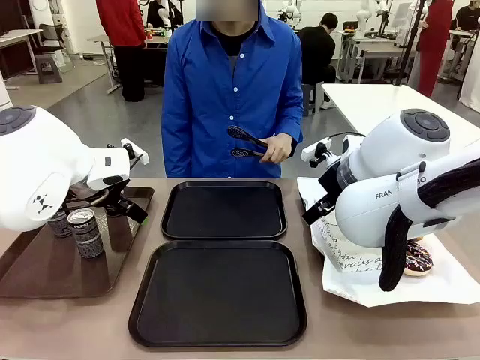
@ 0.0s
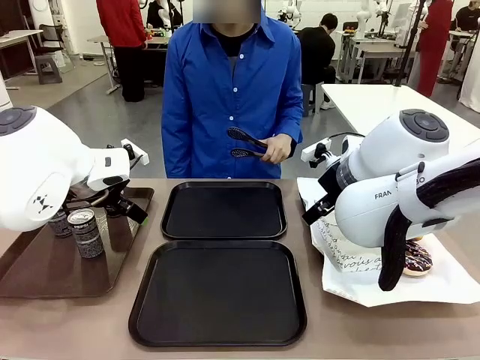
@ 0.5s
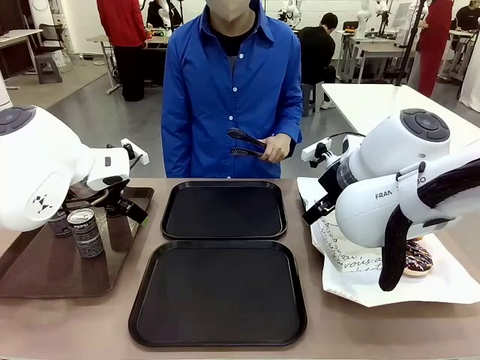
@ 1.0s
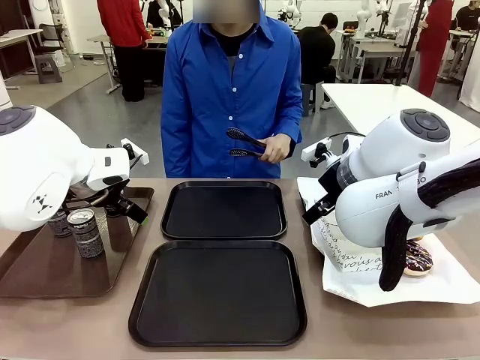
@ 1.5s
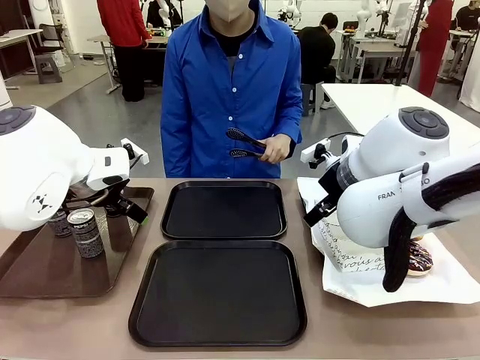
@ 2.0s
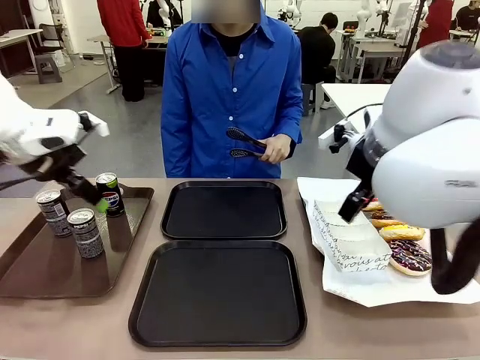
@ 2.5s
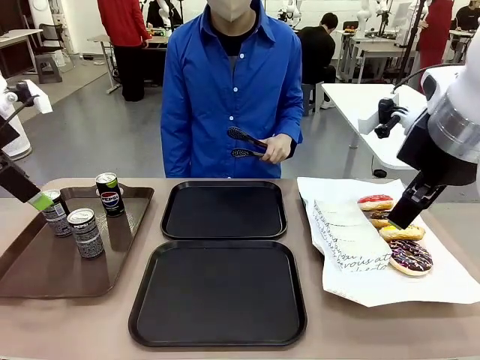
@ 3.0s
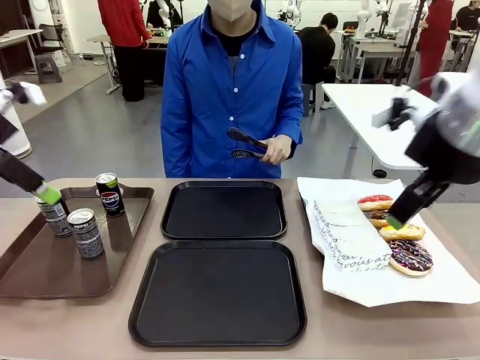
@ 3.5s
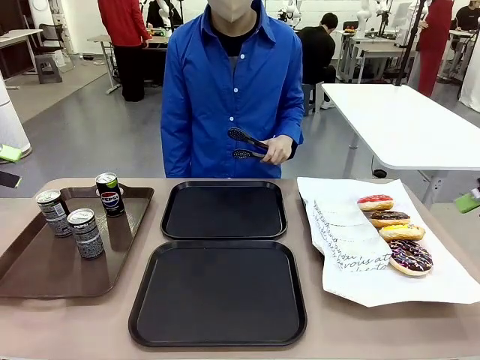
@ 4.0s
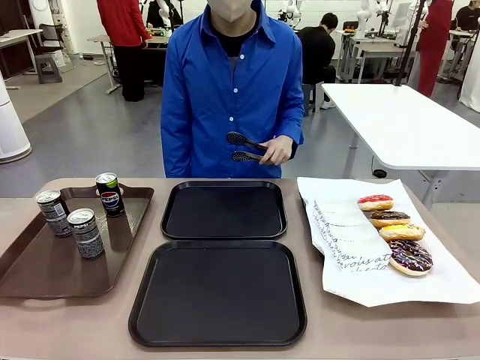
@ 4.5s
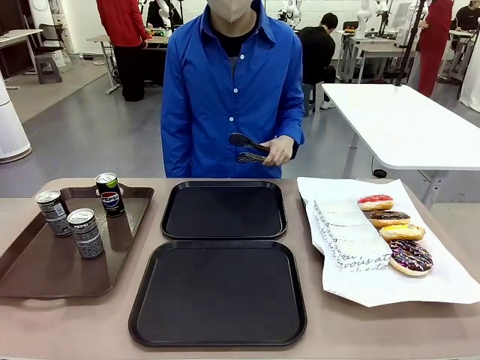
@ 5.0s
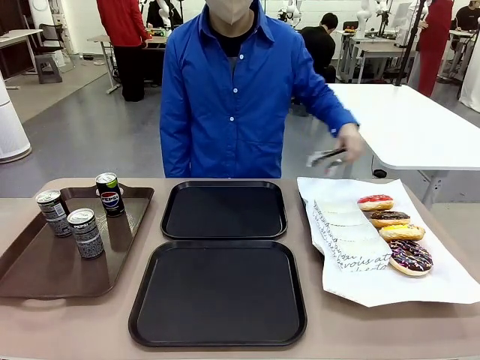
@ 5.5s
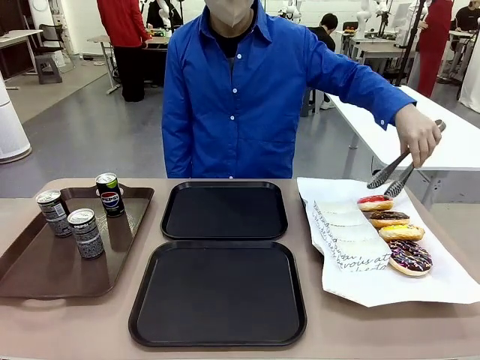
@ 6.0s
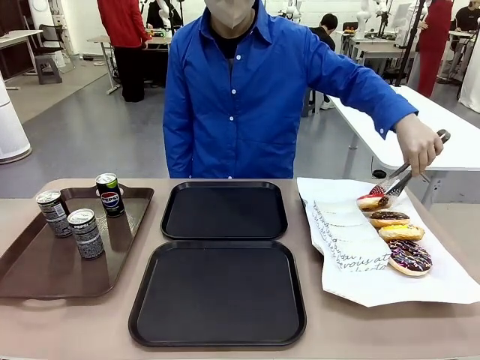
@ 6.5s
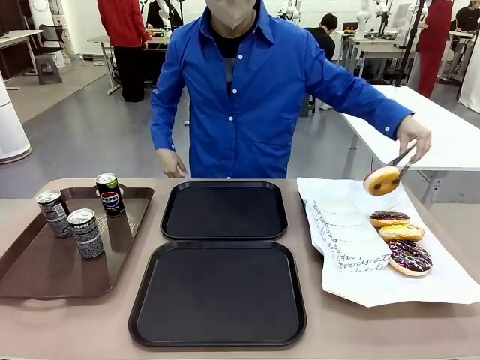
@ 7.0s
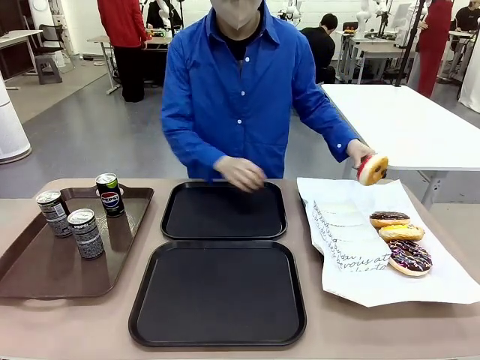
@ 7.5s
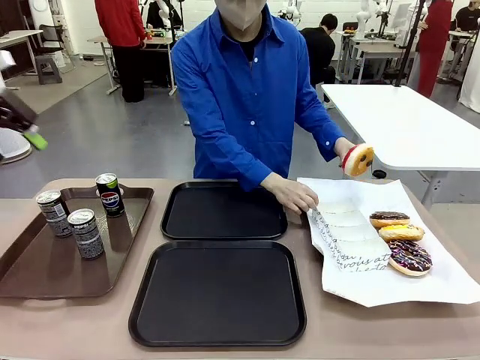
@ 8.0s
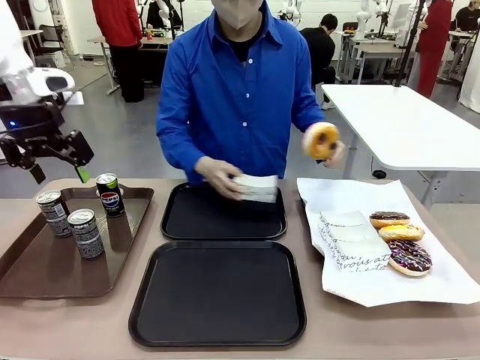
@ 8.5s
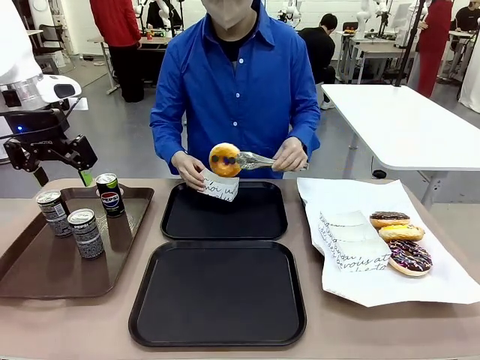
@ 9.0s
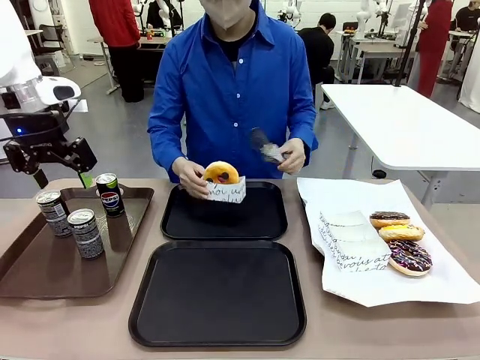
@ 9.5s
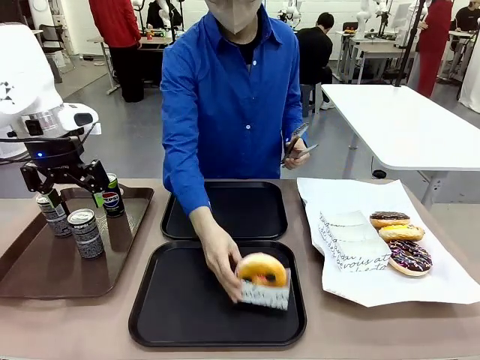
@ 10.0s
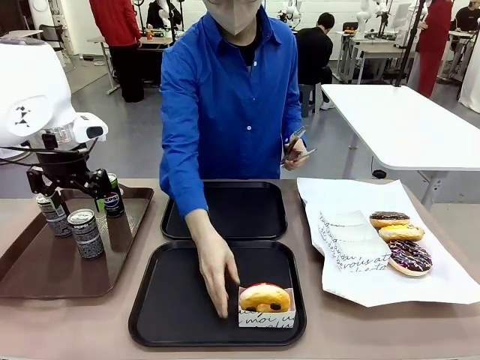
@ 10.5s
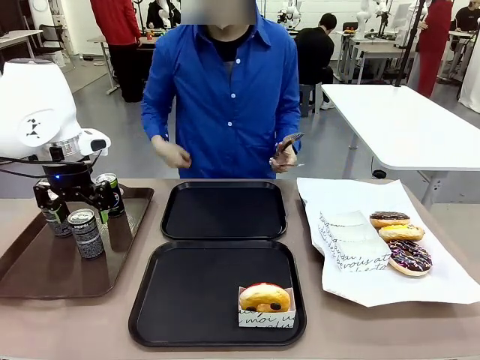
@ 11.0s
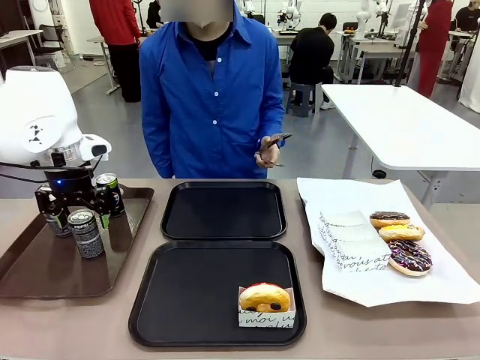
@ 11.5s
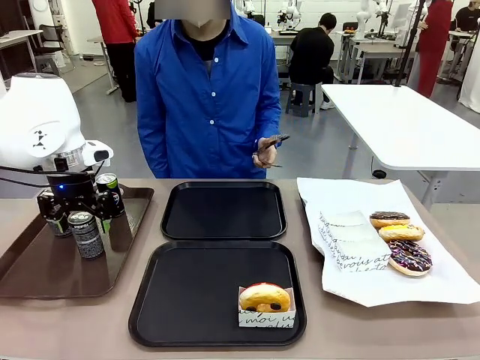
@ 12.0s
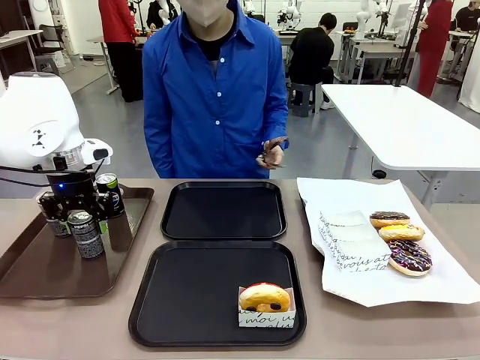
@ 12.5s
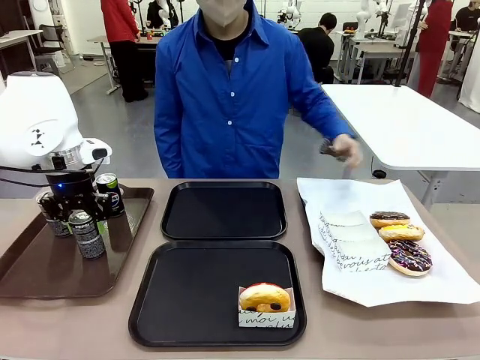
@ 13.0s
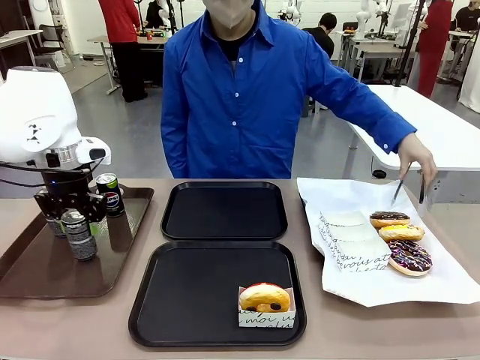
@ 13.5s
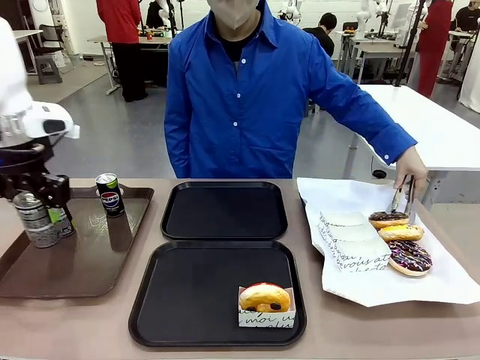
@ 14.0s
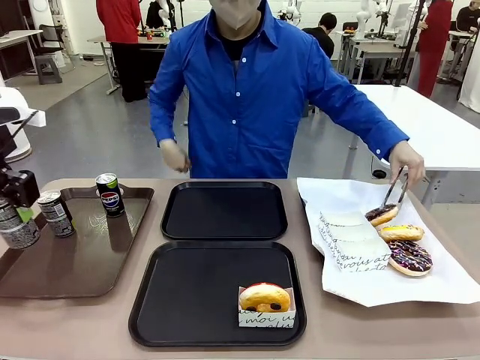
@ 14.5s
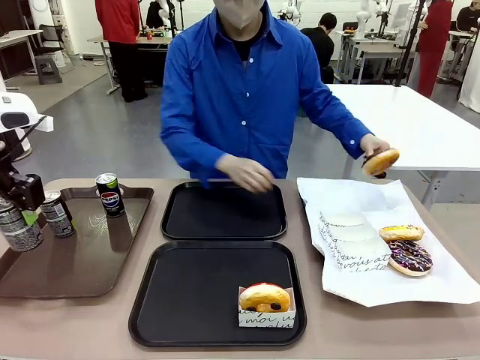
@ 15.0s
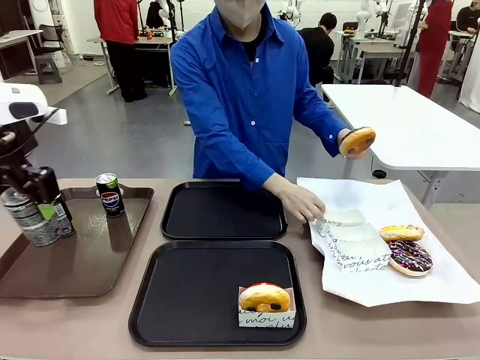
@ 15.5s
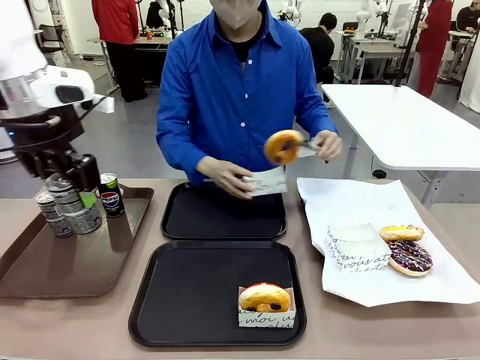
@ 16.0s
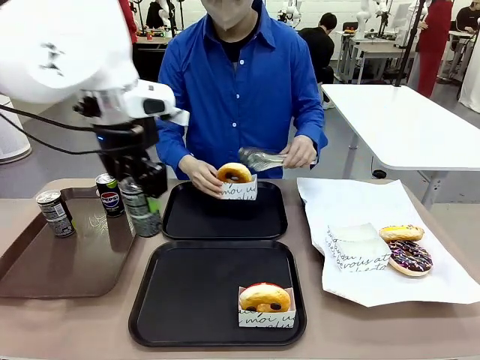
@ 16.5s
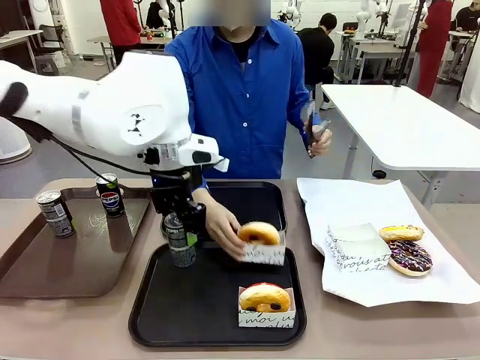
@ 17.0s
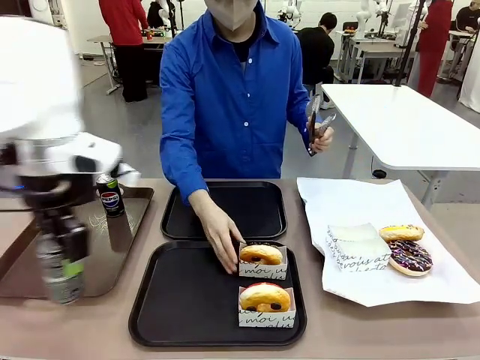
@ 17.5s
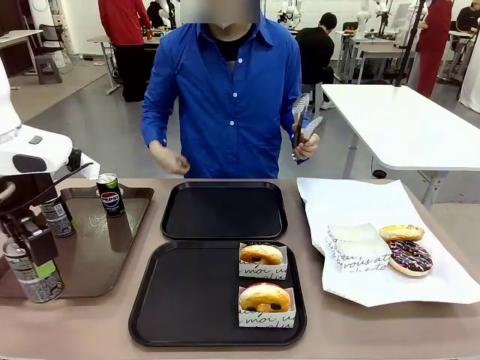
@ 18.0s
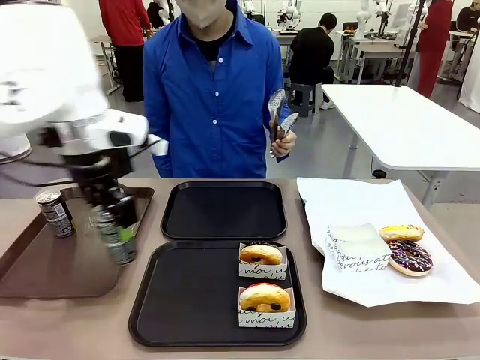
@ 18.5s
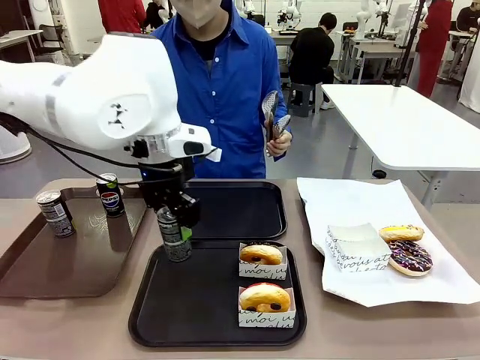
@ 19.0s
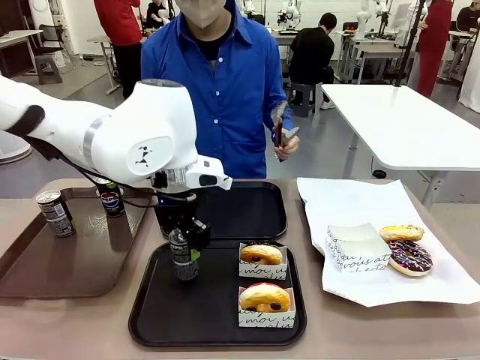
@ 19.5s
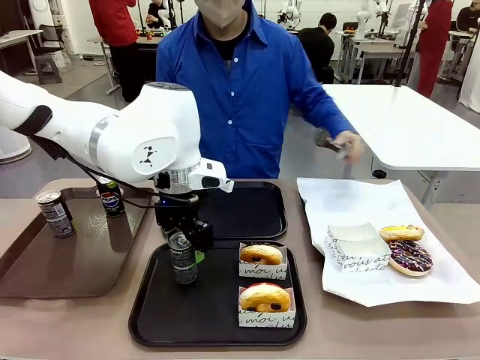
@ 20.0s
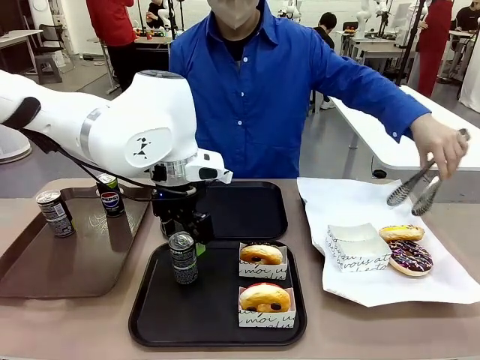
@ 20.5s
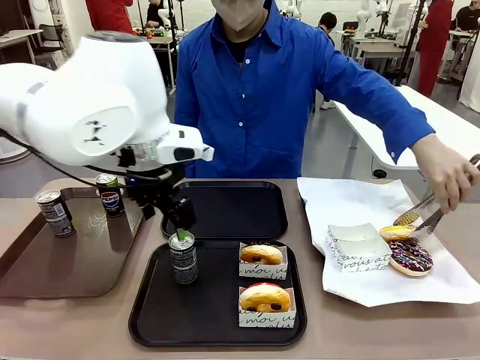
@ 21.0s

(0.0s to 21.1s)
Task: Set up donuts and drinks on trays.
Robot: Pick up one Pepsi coke and place it on the Flat Tray.
Person: Pick up one donut with tongs, place it in the donut tray, and then place the donut tray on the flat tray.
